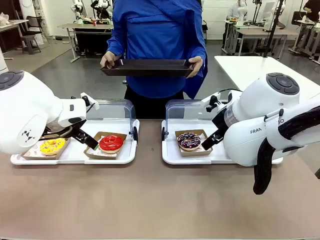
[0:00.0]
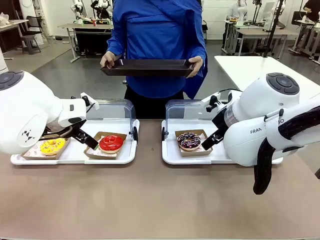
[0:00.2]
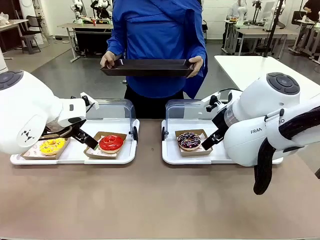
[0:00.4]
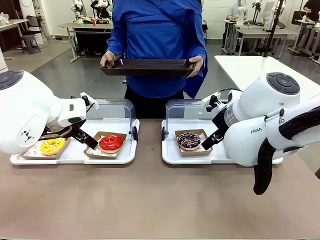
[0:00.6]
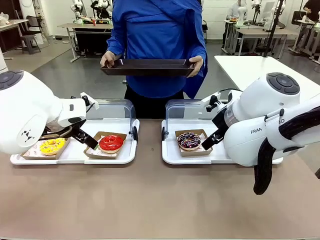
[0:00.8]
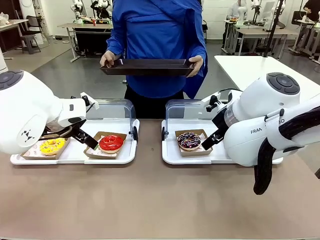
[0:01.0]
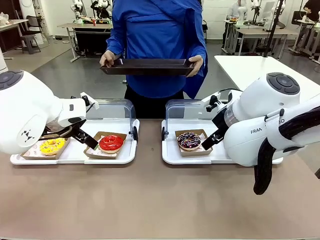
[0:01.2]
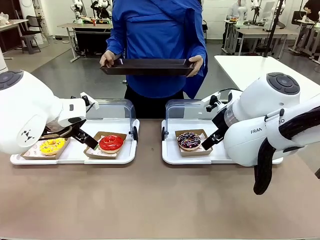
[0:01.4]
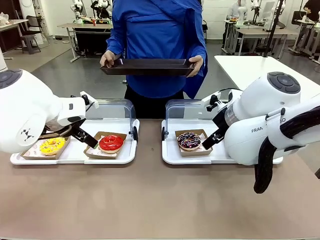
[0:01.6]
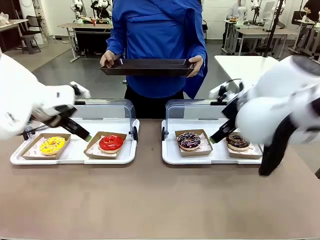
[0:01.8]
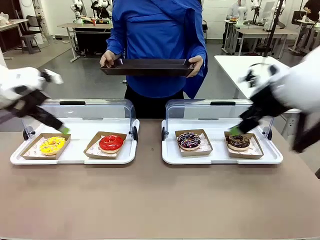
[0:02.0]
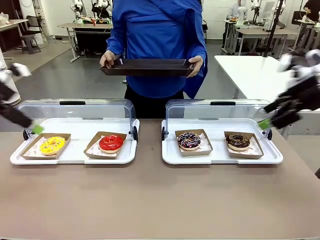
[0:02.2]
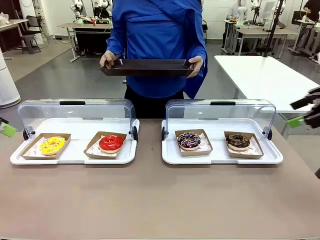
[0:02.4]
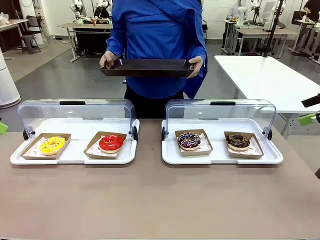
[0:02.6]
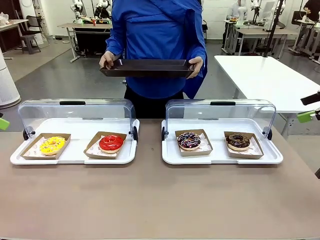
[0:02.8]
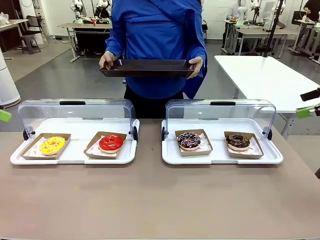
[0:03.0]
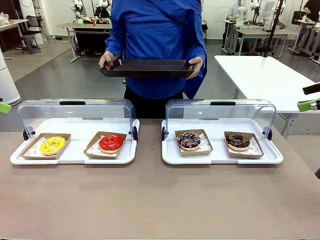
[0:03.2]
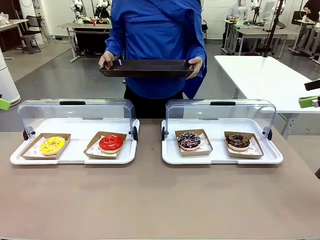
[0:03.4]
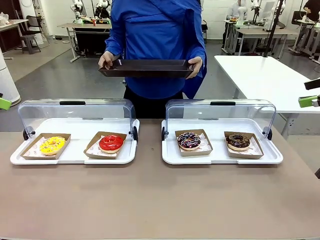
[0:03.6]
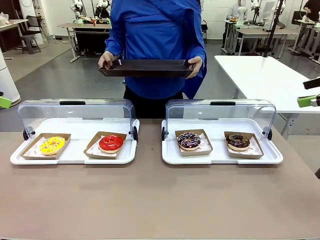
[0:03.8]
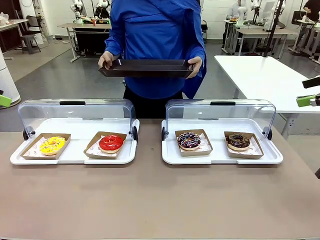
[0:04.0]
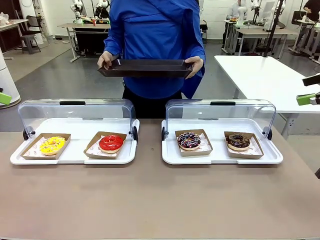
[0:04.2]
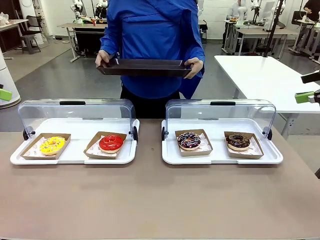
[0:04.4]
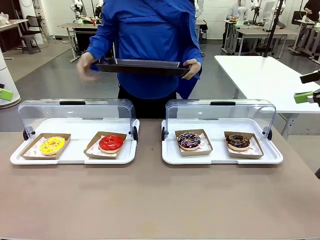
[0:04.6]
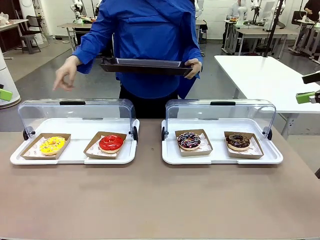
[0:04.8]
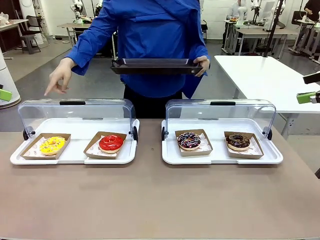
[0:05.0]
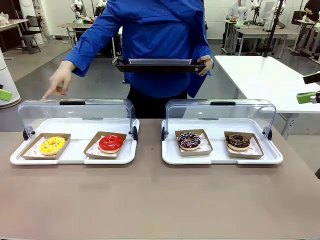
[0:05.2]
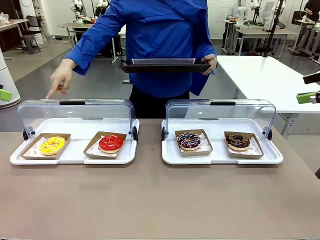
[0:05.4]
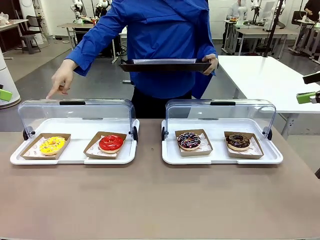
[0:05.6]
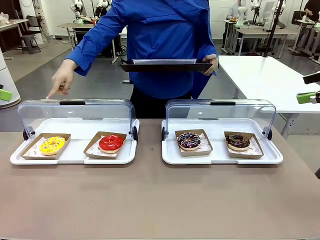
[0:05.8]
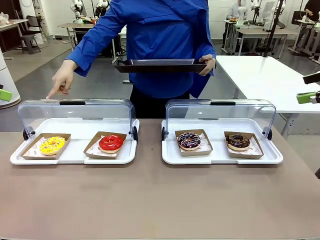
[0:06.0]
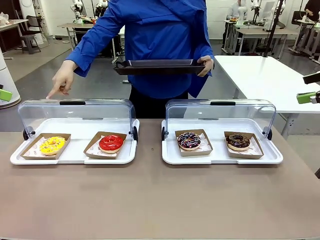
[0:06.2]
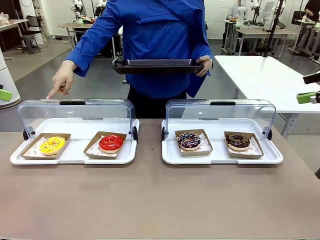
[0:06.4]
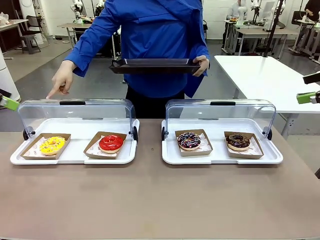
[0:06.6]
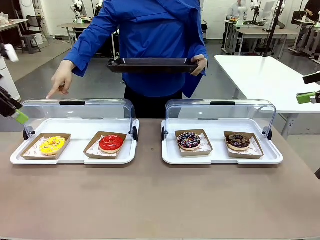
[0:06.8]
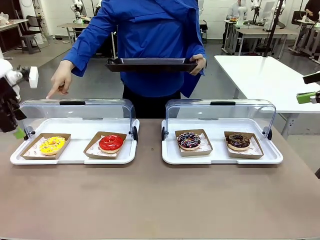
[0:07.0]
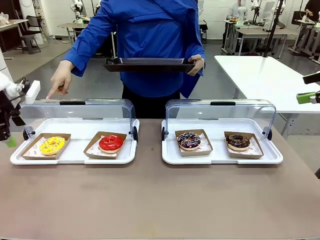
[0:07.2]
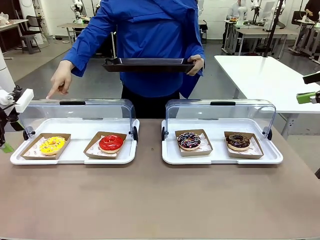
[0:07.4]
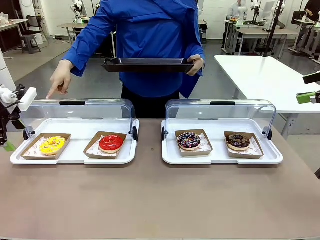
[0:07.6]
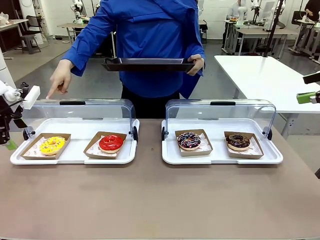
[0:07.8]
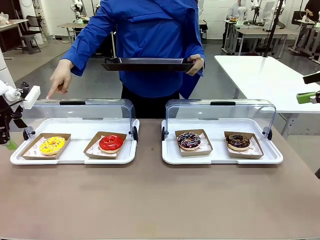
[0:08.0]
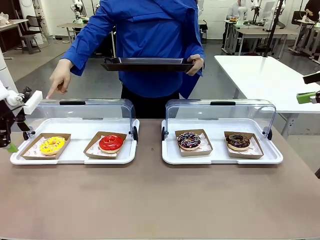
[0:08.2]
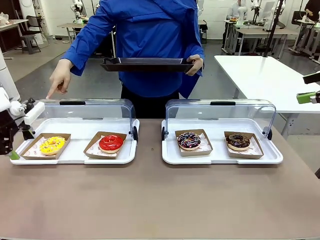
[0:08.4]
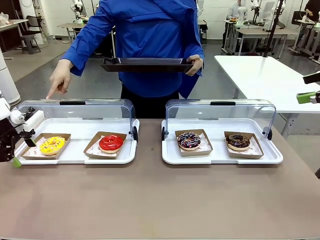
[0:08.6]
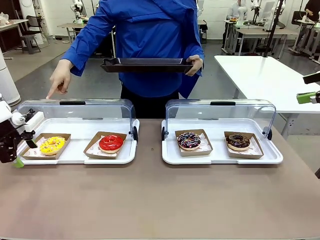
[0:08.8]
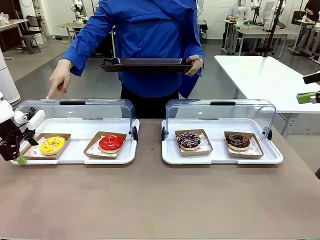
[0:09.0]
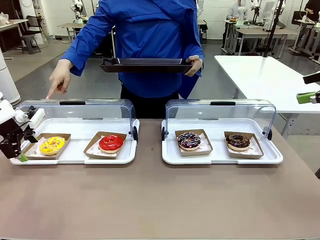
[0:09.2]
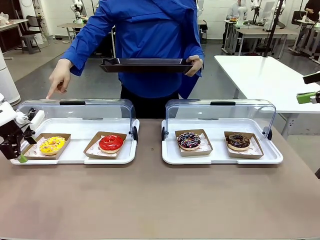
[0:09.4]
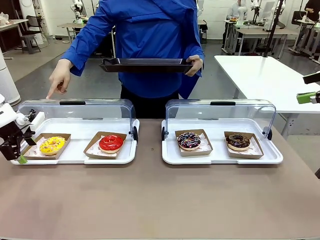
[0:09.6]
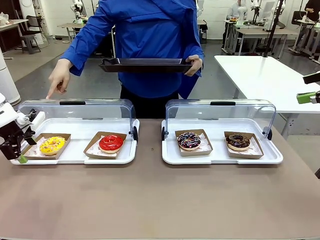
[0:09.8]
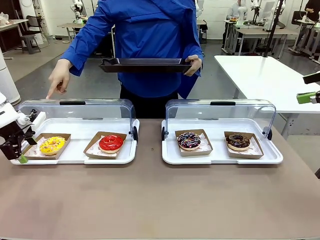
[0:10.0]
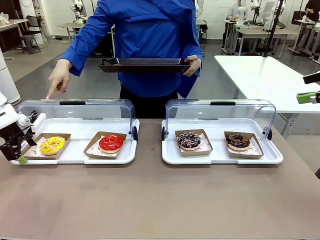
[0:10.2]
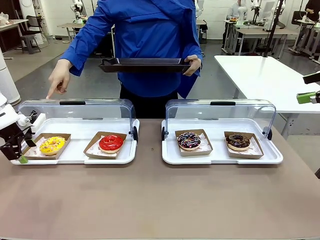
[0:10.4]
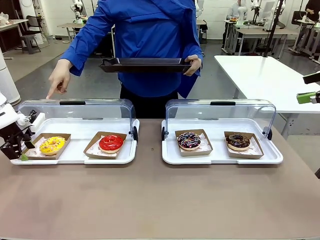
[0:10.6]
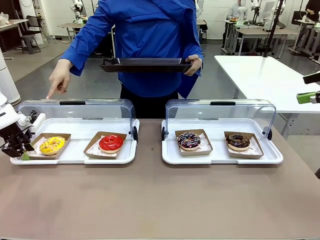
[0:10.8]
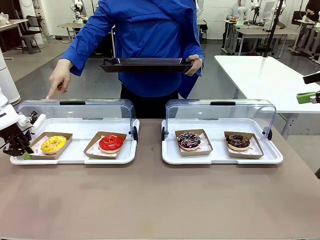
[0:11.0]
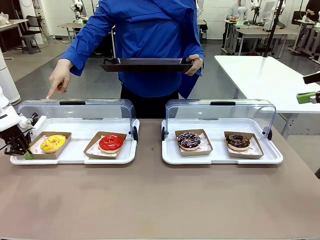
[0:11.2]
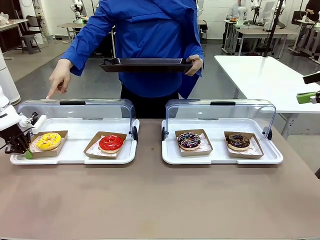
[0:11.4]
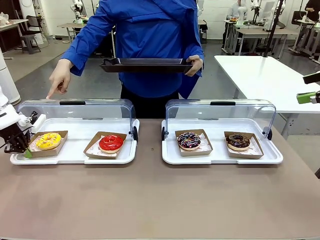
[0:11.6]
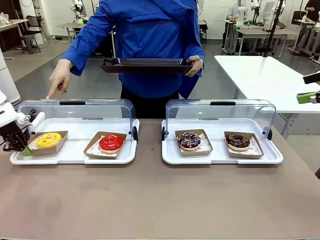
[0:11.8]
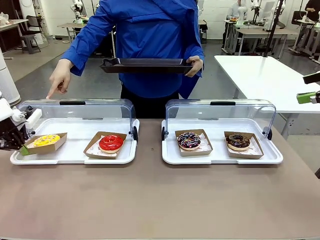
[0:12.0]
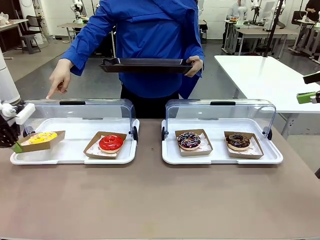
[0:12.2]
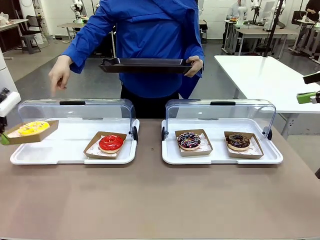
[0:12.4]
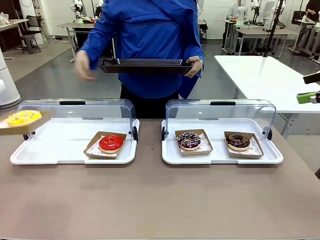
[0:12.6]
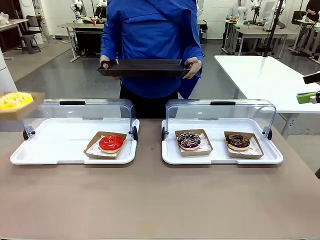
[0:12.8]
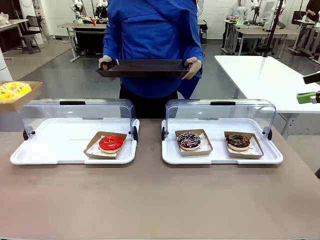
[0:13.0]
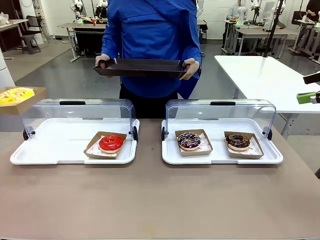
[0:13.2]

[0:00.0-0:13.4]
Task: Provide the desired donut to the person.
Robot: Pick up and lift the Paper togo box containing the Donut pointed at by the person.
Person: Point to one donut. Lift the tray onto the Roll-Top Bakery Case.

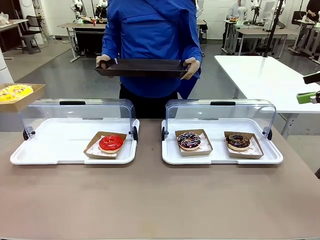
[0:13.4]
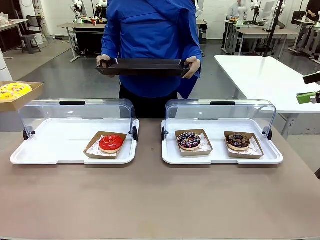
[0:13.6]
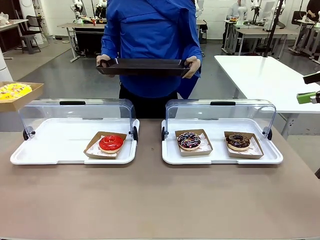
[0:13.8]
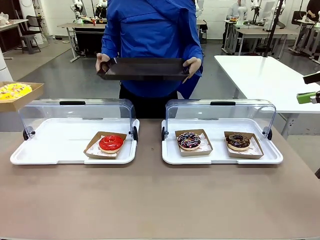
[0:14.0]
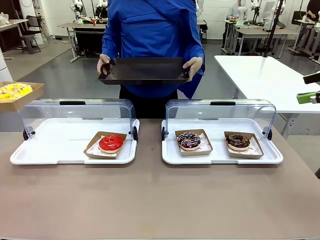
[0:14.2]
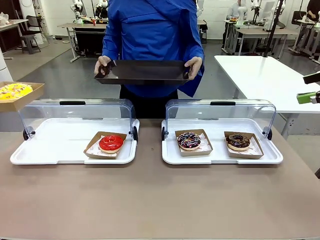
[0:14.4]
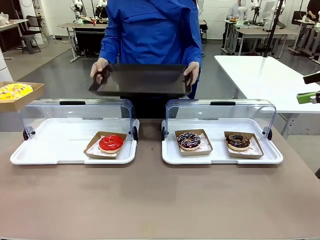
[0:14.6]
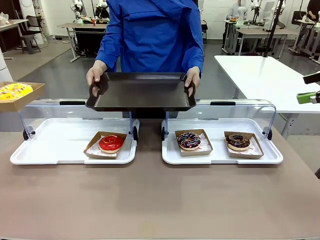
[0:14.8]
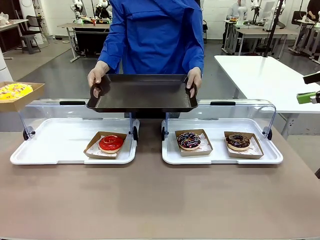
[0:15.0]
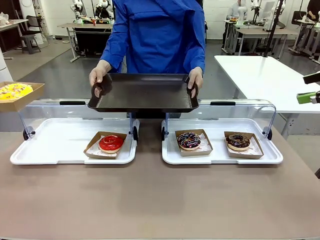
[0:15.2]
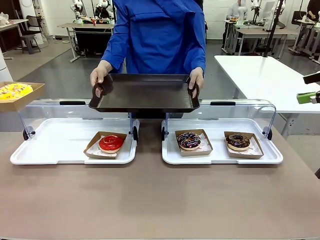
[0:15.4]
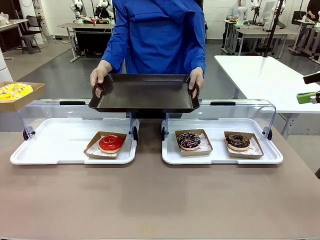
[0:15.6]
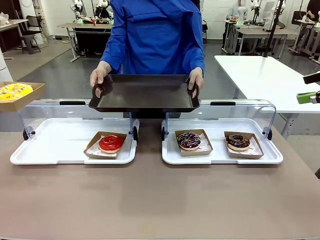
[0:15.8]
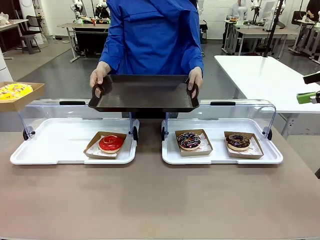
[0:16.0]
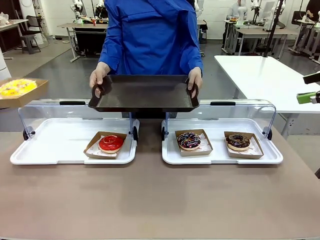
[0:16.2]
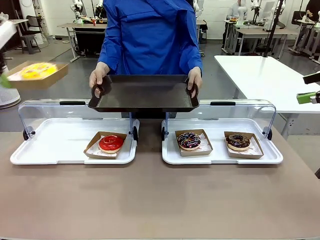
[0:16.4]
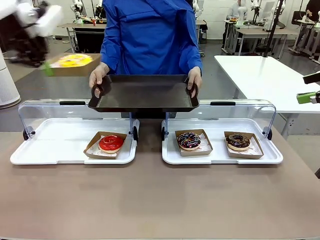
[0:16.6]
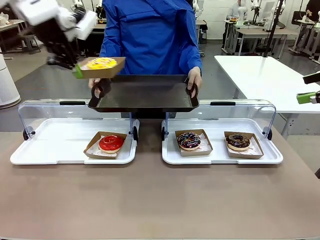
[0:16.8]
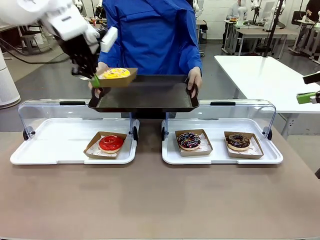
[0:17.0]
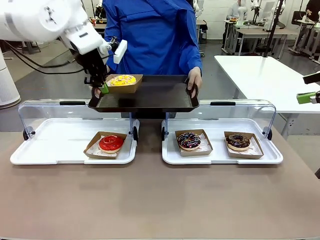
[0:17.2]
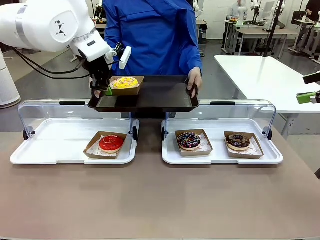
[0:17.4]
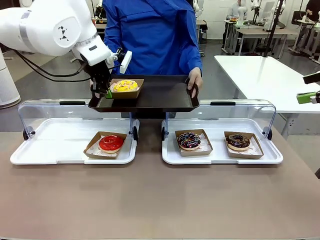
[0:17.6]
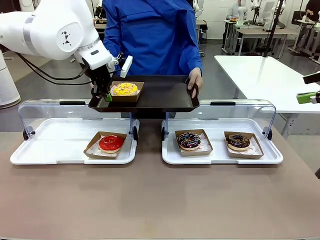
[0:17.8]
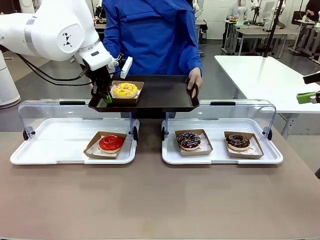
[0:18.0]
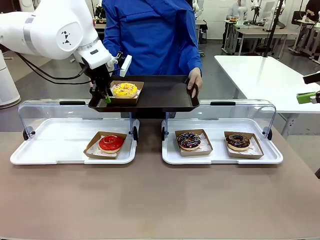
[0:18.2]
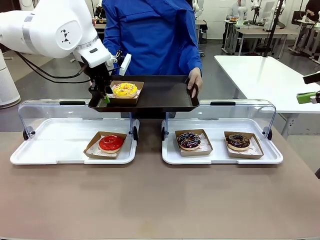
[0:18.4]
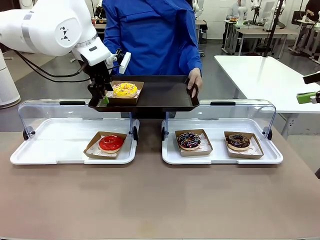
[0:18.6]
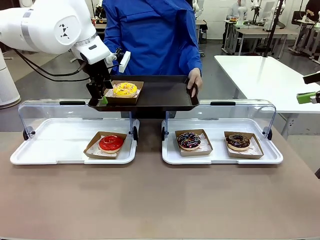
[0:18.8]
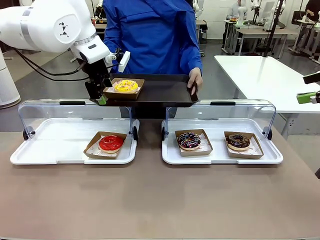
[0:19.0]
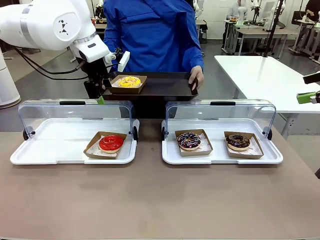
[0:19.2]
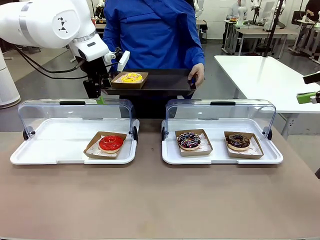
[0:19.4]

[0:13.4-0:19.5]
Robot: Place the picked Paper togo box onto the Handle tray extended by the person.
